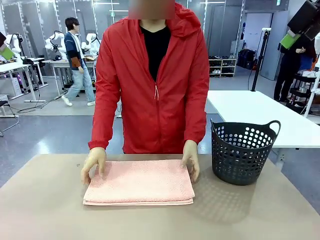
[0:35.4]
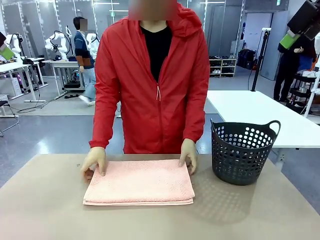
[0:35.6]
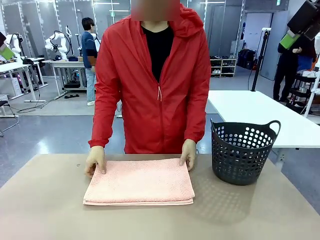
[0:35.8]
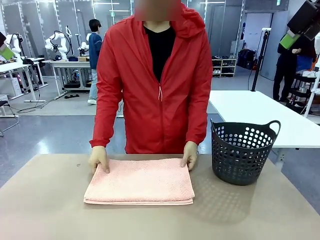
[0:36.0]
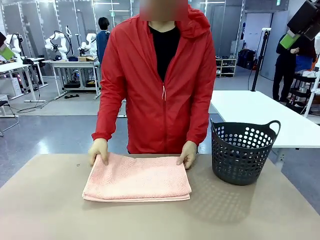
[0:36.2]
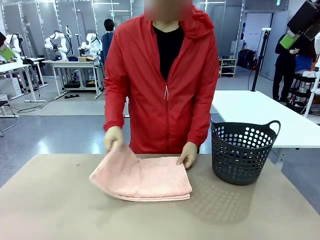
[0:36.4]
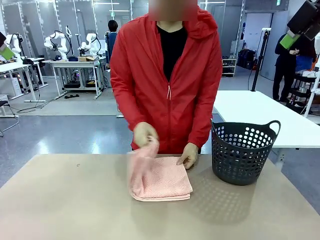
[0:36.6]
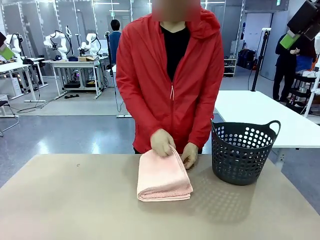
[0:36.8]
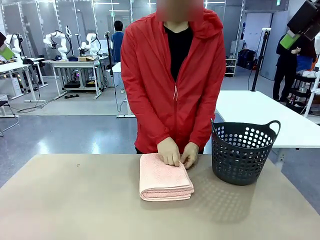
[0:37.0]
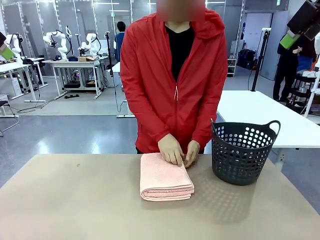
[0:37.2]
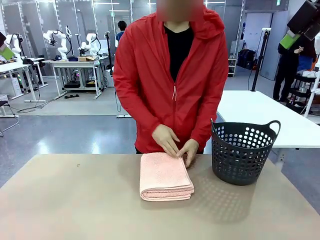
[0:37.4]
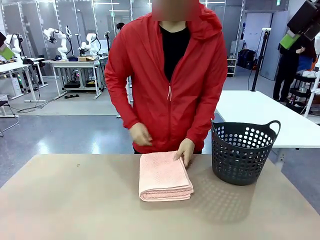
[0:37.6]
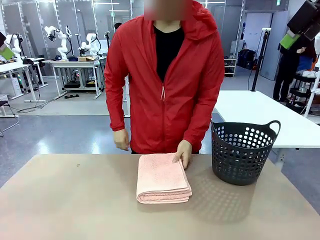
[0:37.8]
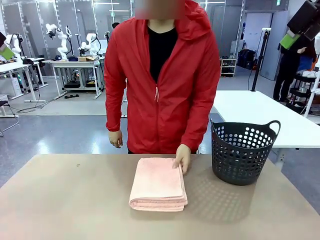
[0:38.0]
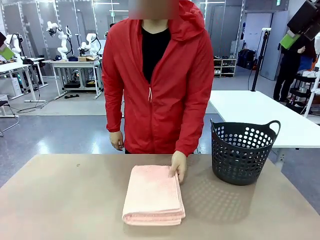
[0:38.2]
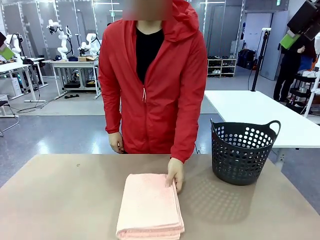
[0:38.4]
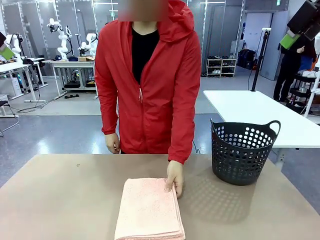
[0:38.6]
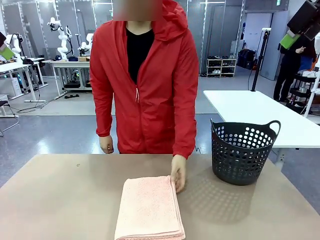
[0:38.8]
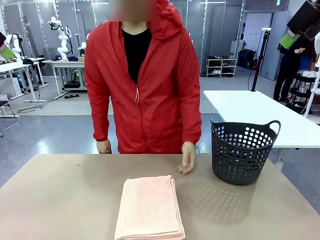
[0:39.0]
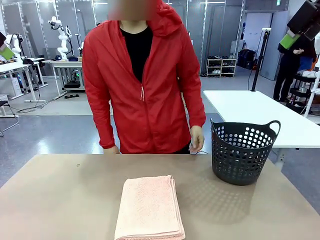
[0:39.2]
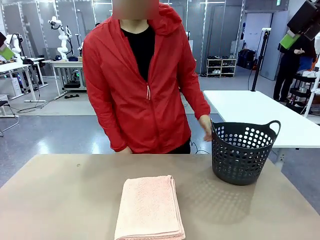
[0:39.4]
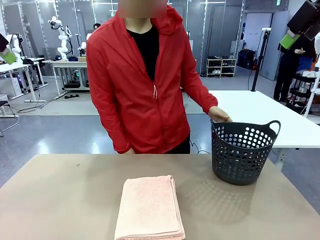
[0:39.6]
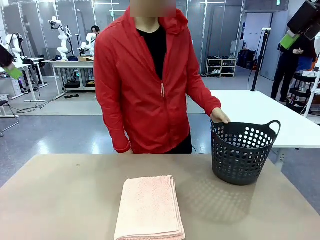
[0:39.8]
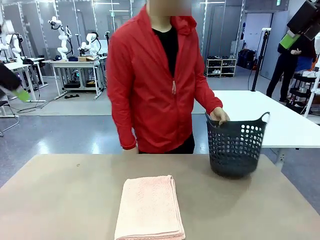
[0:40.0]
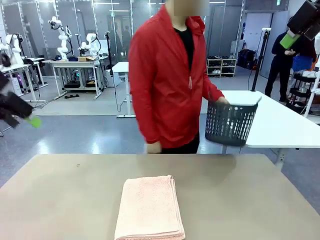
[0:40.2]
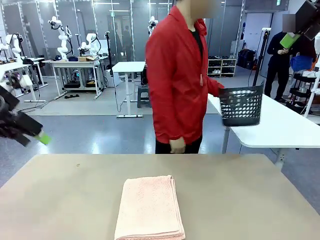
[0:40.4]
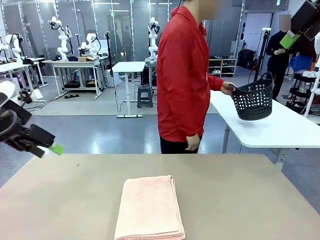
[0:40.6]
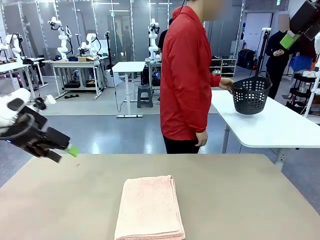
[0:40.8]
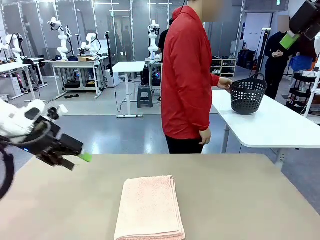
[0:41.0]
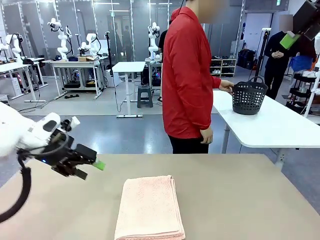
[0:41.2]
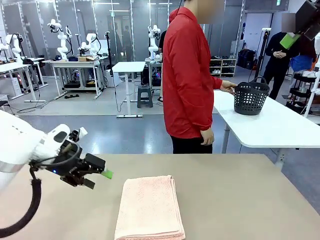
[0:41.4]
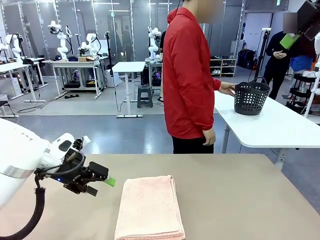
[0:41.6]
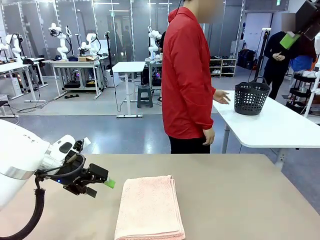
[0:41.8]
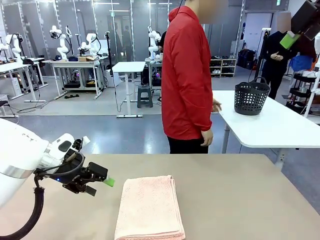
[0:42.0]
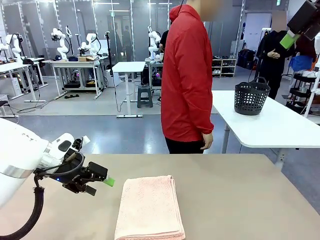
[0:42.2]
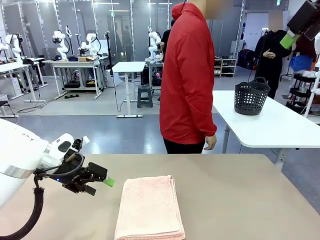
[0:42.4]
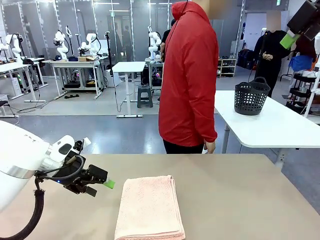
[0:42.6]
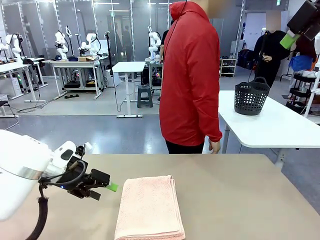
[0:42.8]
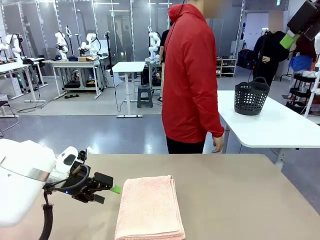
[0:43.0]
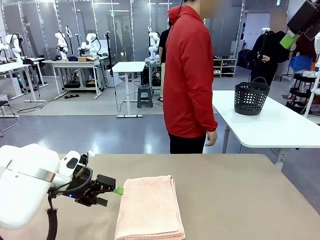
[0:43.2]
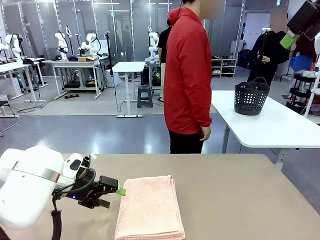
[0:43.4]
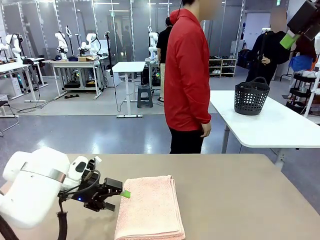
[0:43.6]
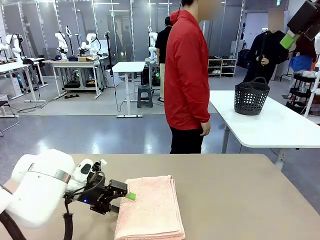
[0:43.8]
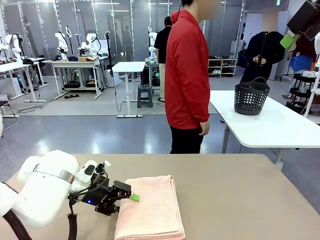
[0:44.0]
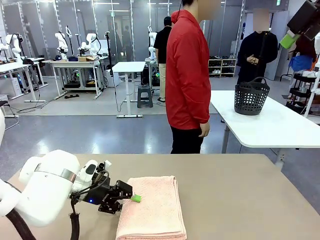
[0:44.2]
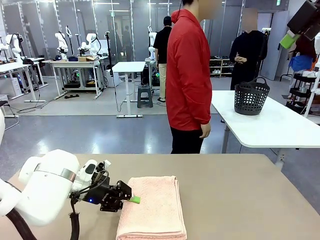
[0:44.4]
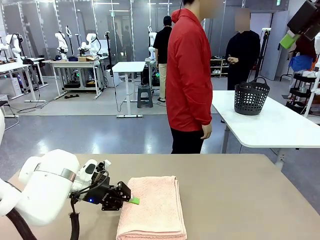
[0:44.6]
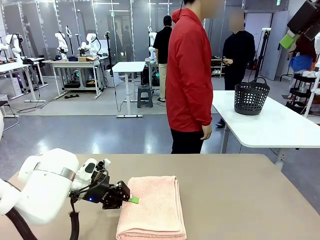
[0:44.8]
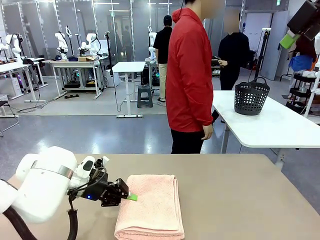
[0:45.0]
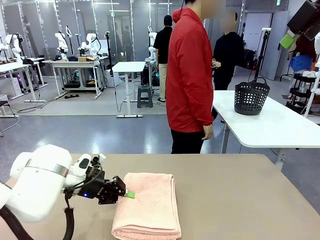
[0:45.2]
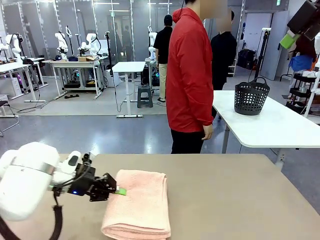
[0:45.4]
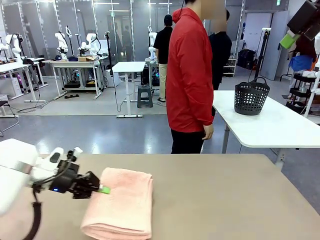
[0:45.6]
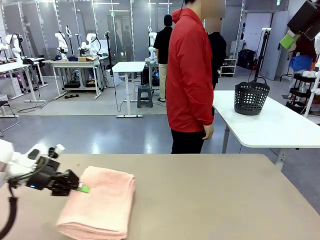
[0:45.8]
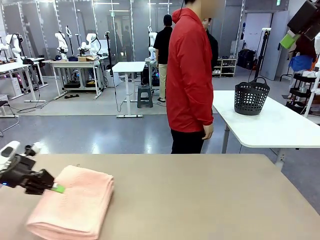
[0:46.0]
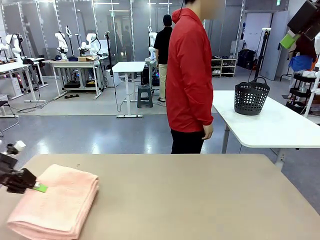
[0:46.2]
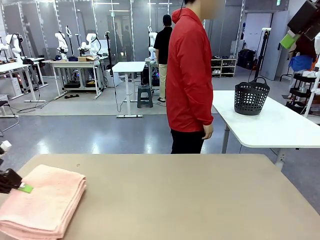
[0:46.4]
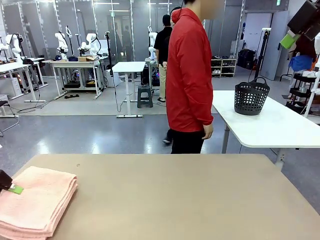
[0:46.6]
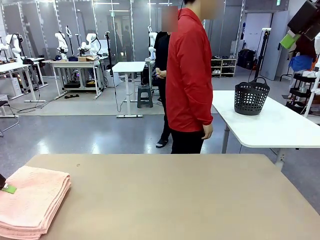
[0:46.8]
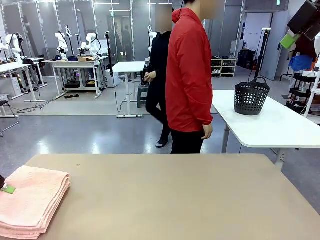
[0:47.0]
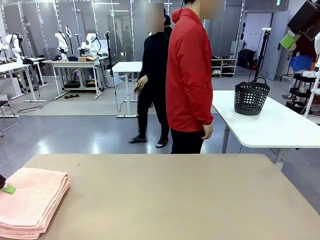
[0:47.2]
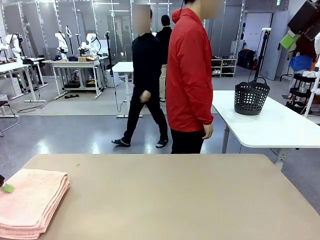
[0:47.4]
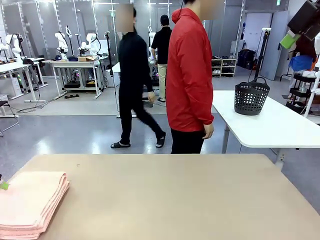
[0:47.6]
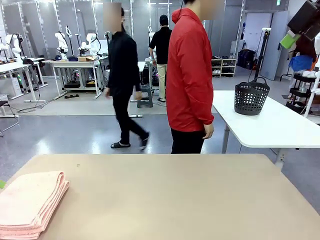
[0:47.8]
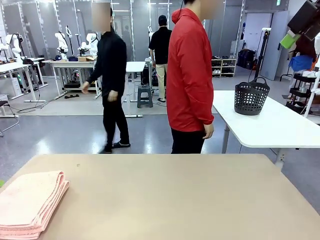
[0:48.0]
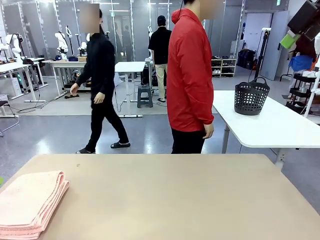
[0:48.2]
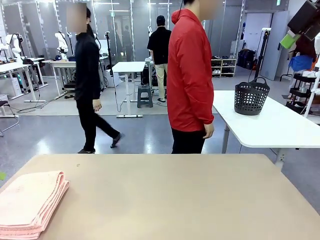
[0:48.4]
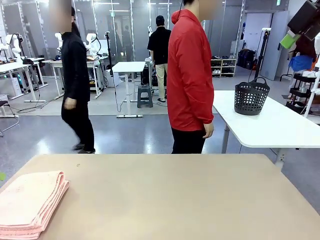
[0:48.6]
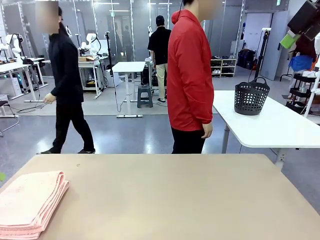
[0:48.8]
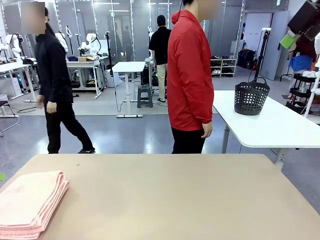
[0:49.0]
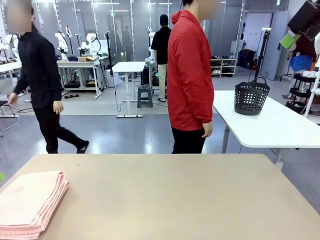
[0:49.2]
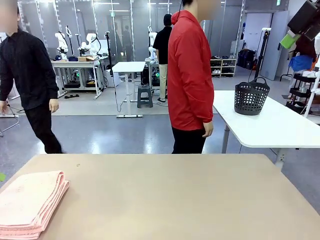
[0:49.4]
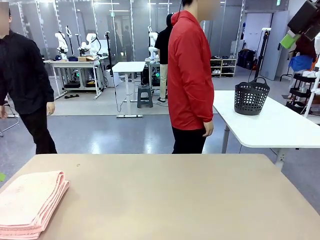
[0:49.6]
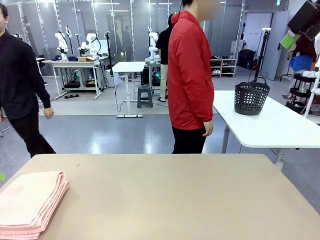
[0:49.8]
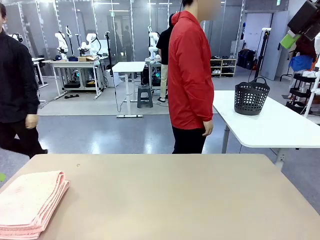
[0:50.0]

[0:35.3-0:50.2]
Task: Fold the towel.
Robot: Pick up the 100 cm Hotel Towel and place it on the left side of the table.
Person: Place the towel at the center of the robot table and fold it in half. Pick up the laundry basket and place it at the center of the human table.
